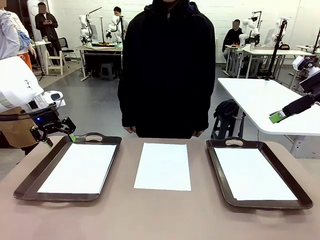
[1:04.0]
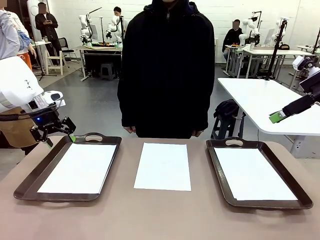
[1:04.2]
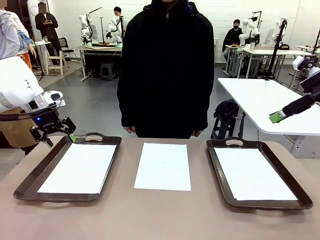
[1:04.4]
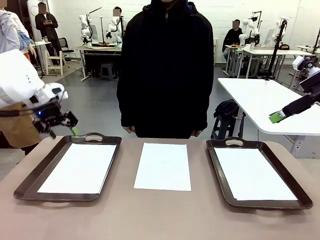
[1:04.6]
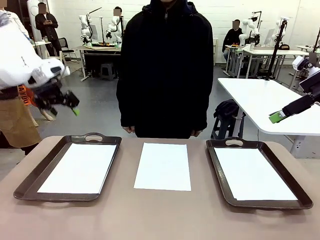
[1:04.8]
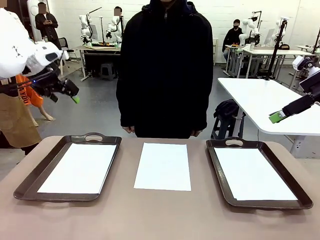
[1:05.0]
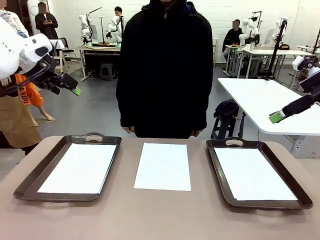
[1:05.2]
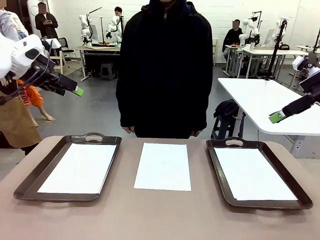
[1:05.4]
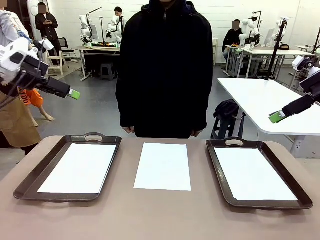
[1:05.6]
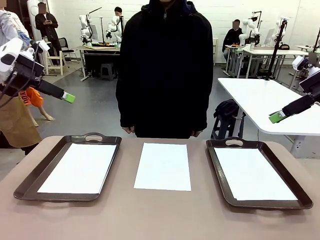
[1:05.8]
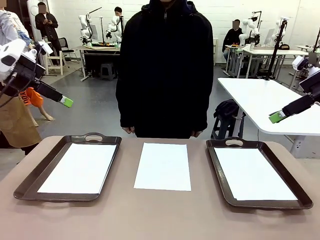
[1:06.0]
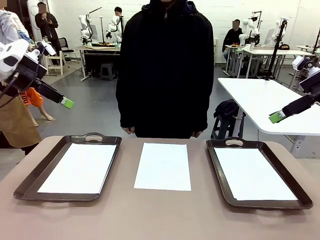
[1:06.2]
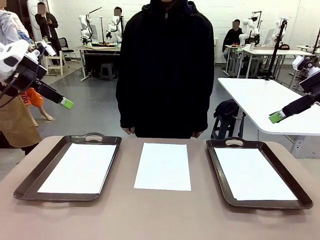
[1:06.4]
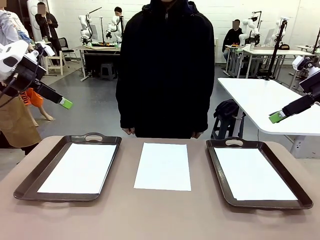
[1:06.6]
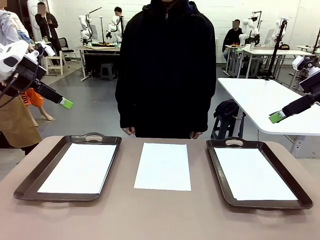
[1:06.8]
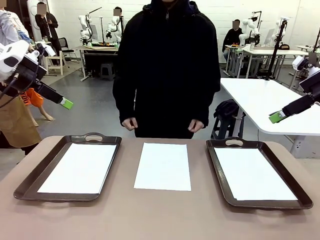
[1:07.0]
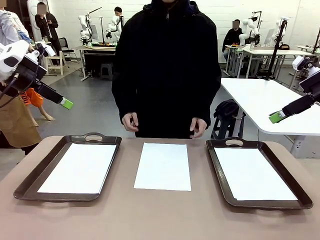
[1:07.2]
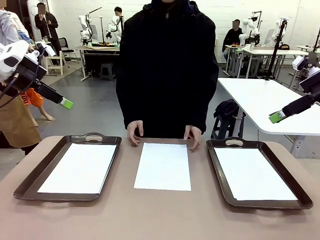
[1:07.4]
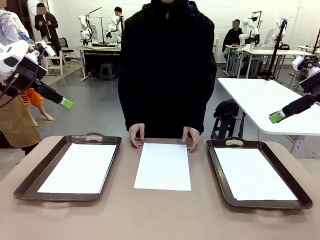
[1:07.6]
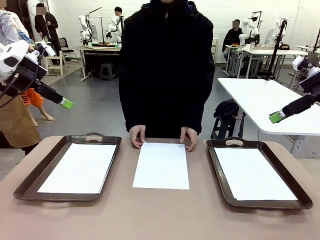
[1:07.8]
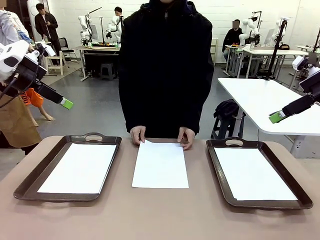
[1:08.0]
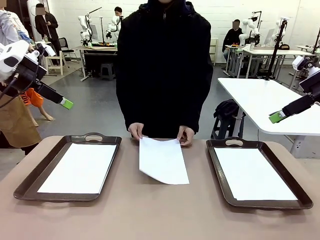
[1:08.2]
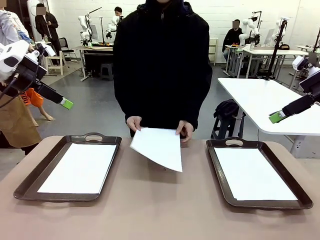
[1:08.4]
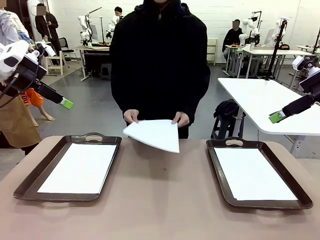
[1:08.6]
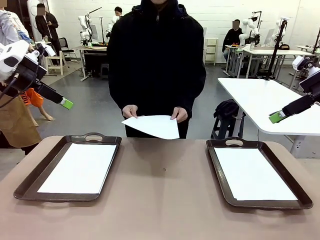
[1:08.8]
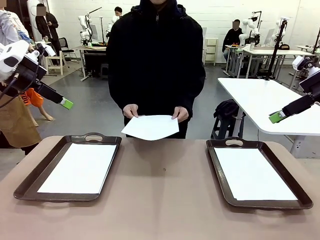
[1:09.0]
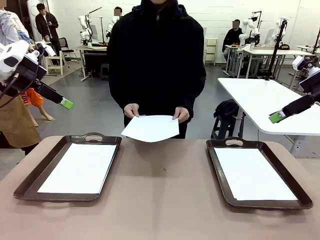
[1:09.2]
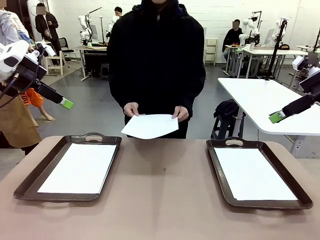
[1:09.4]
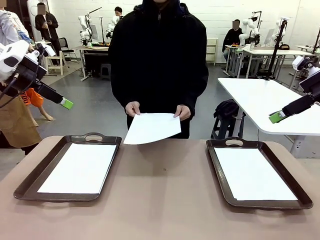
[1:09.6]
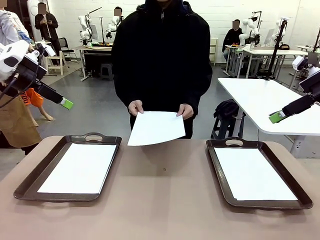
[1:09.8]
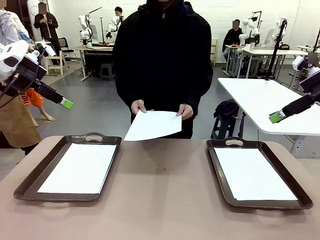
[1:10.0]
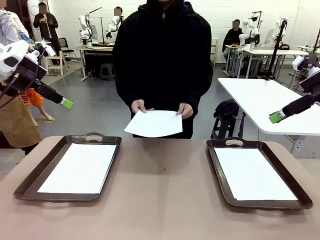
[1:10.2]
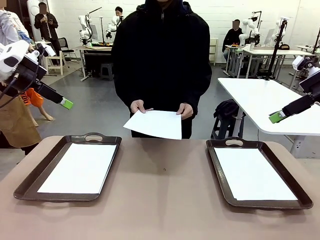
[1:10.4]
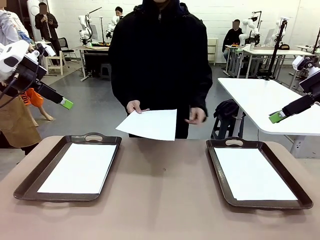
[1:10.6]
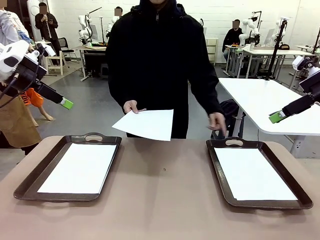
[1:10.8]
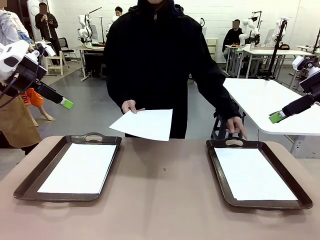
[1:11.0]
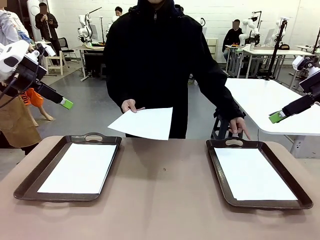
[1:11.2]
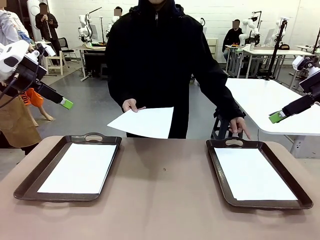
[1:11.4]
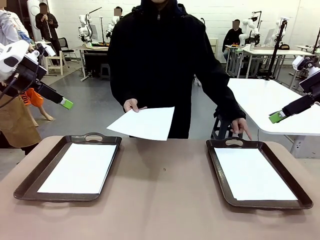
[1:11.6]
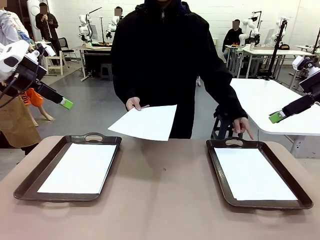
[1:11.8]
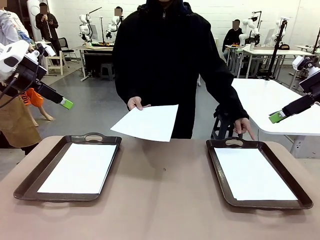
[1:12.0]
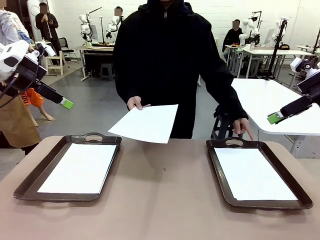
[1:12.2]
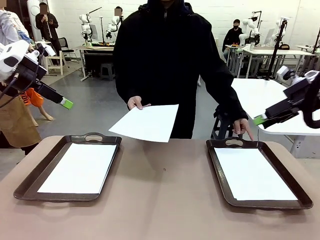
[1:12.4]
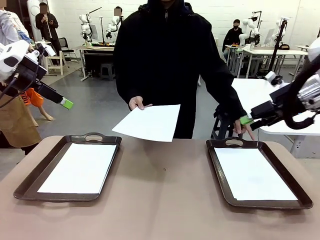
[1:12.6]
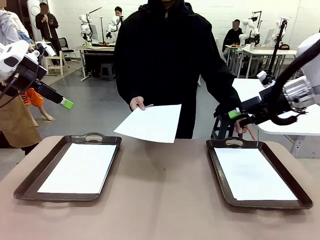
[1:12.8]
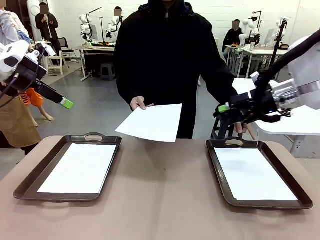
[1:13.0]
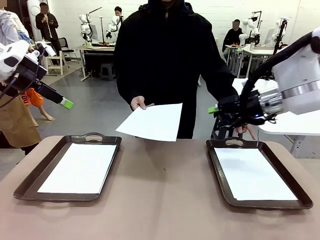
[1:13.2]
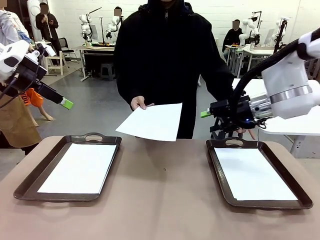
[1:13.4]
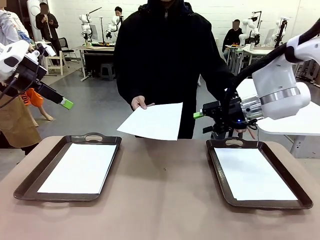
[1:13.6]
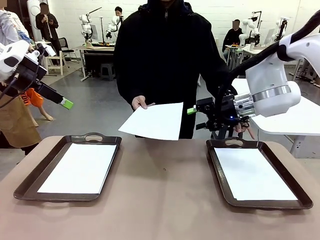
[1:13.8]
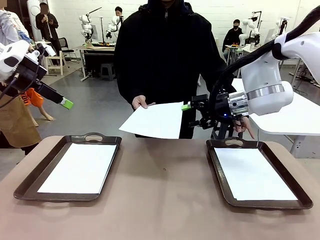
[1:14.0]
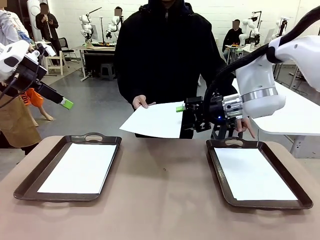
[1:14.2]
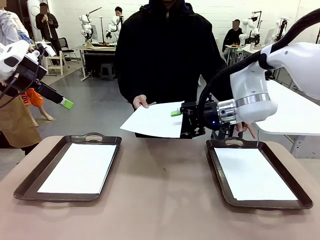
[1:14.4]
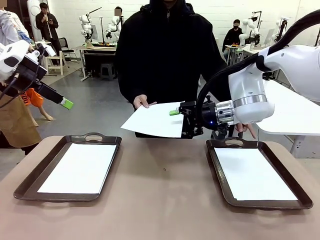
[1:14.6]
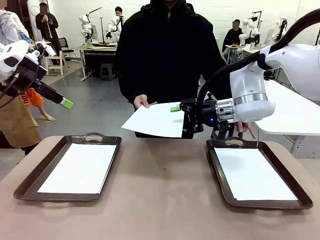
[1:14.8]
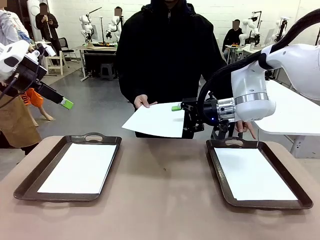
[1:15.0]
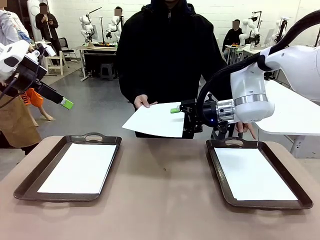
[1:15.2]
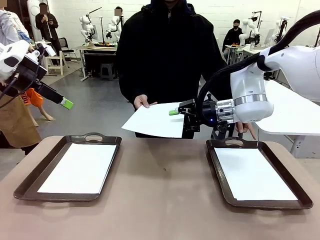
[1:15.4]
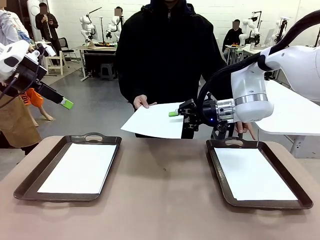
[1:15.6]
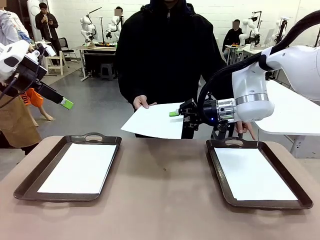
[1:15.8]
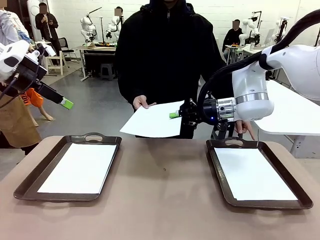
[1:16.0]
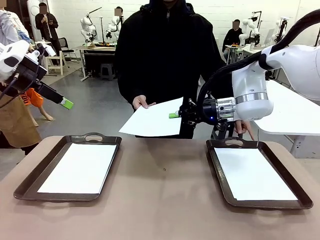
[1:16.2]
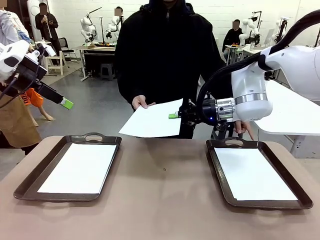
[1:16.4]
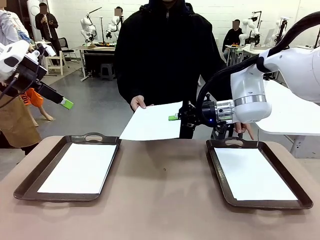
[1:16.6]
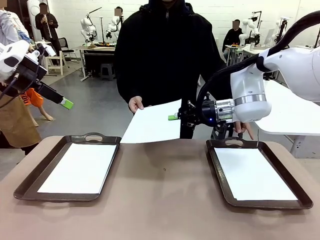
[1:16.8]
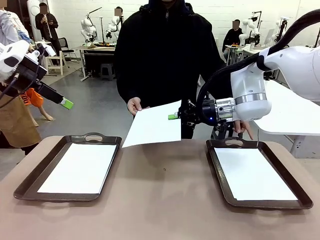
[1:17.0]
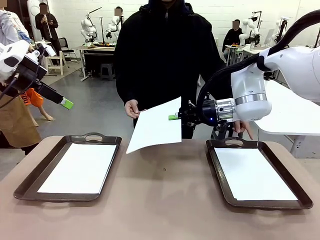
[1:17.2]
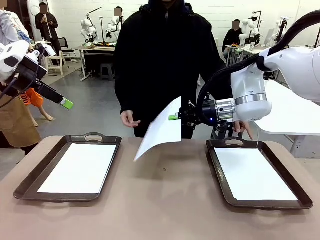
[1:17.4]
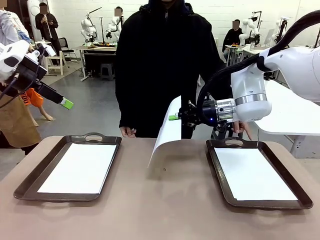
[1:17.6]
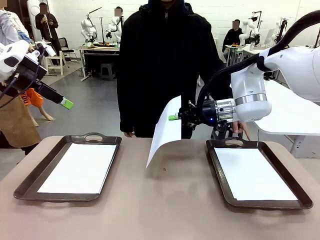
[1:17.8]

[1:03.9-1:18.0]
Task: Sort the A4 documents.
Robot: Receive the A4 Paper.
Person: Point the randomly selected tray with the other hand.

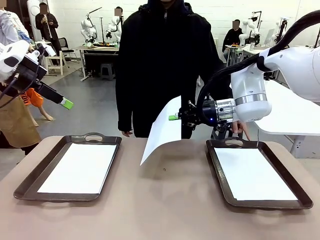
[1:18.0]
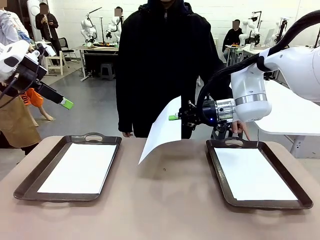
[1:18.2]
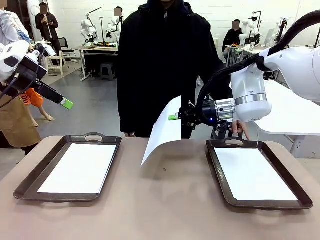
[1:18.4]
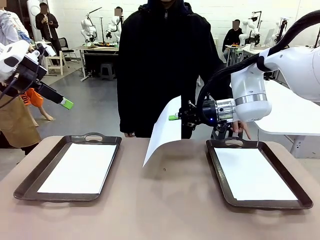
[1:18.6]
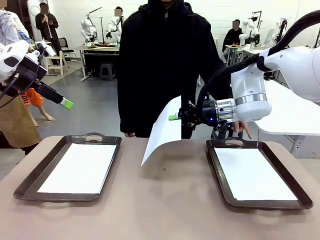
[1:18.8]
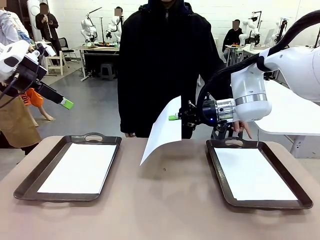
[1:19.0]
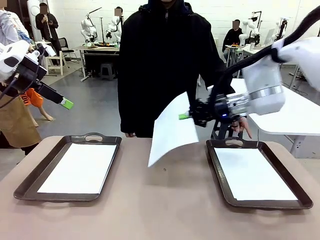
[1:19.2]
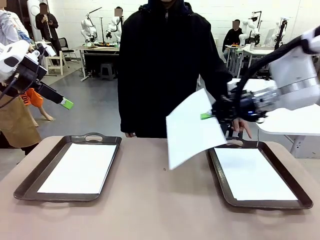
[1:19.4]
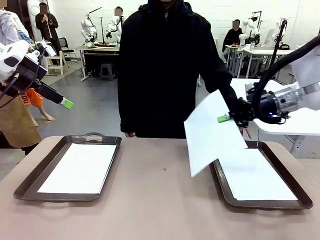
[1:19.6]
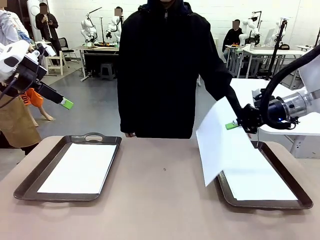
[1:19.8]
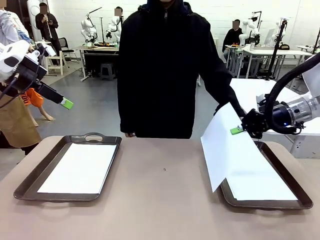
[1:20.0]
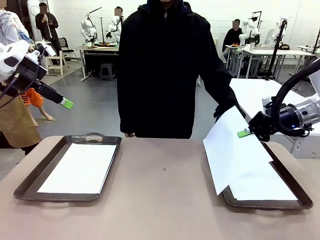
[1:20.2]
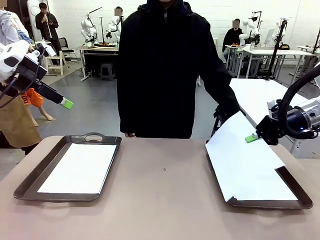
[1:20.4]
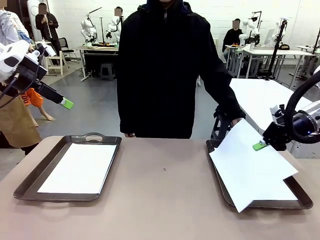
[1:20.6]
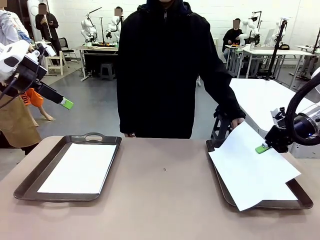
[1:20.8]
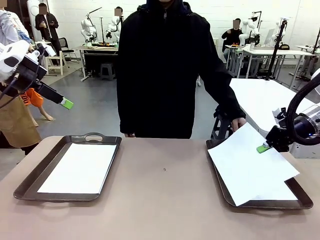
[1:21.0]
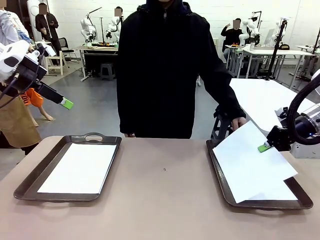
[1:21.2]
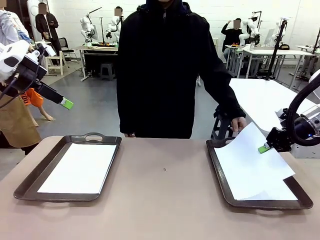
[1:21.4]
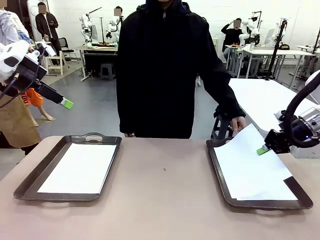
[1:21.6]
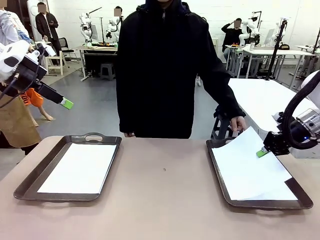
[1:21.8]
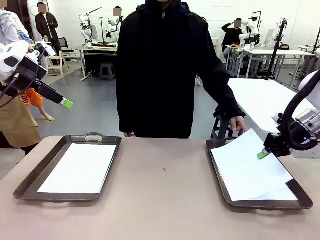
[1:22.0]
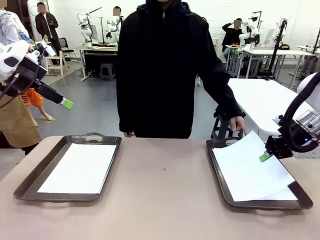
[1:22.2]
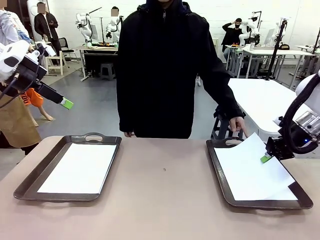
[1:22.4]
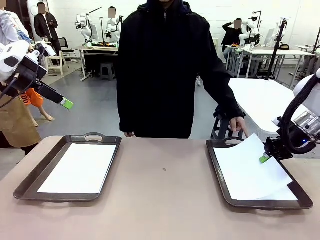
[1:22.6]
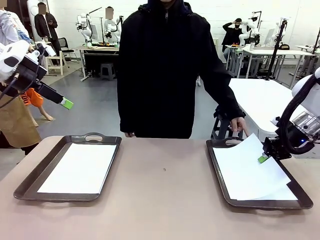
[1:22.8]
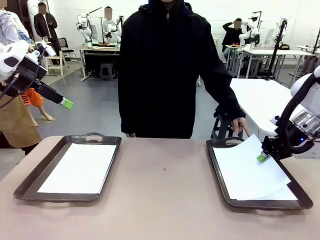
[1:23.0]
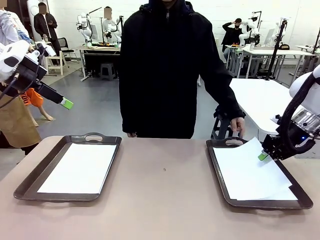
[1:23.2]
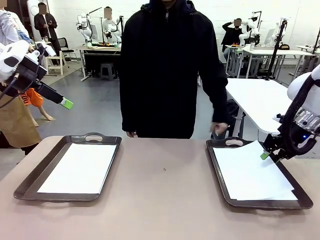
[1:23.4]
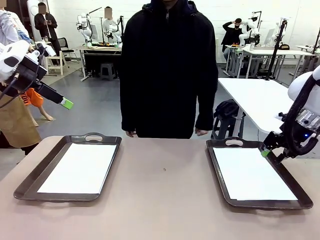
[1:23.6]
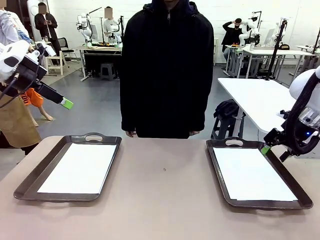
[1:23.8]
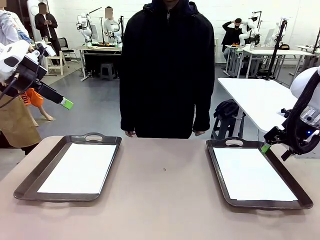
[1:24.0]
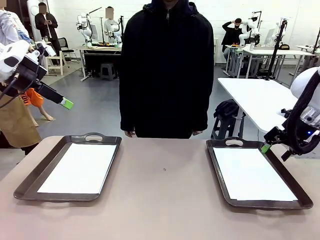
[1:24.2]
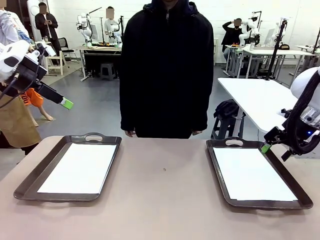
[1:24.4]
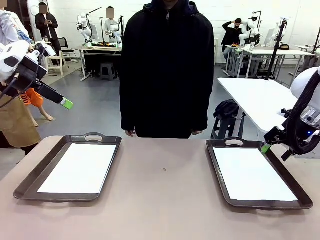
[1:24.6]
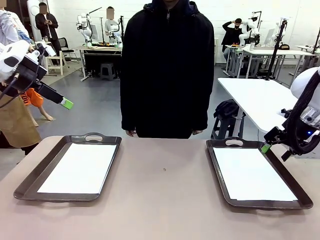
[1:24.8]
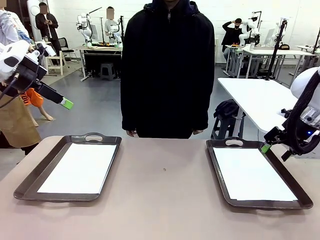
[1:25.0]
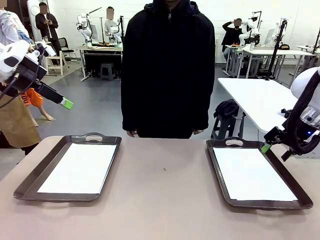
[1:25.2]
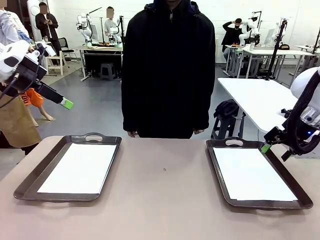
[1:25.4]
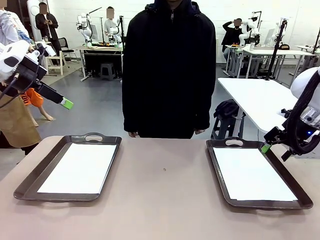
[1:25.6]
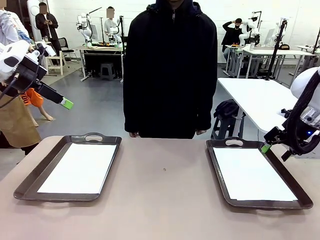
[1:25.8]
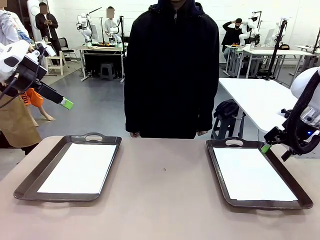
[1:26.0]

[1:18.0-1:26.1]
Robot: Place the A4 Paper in the designated Handle tray.
